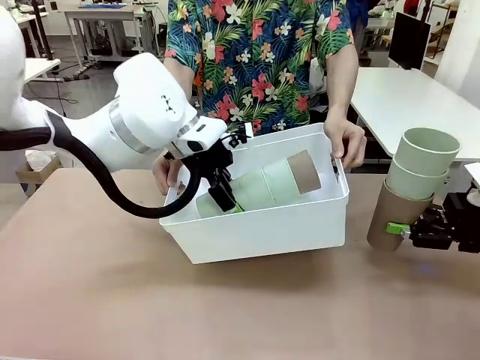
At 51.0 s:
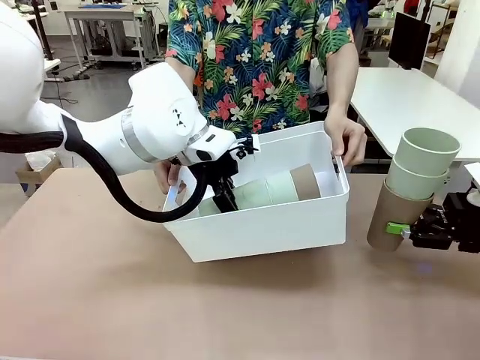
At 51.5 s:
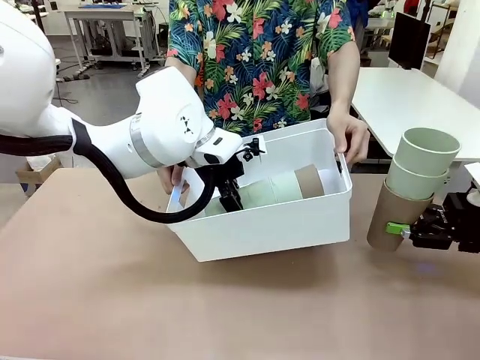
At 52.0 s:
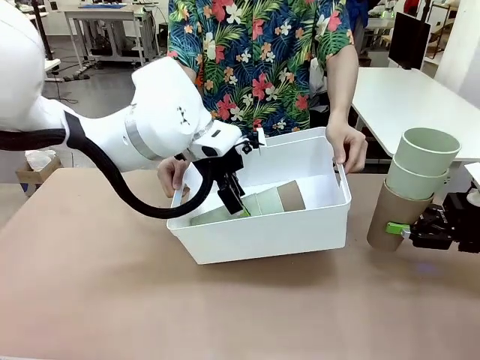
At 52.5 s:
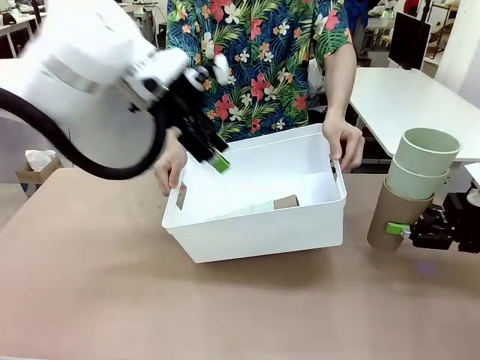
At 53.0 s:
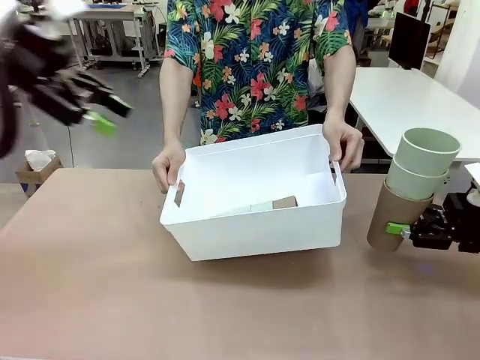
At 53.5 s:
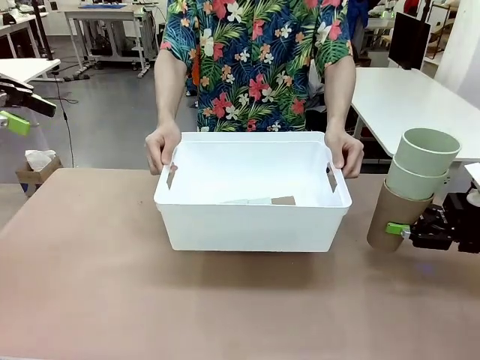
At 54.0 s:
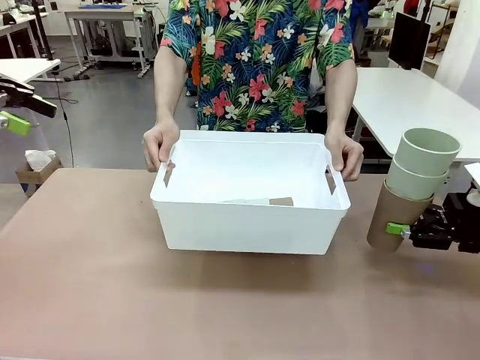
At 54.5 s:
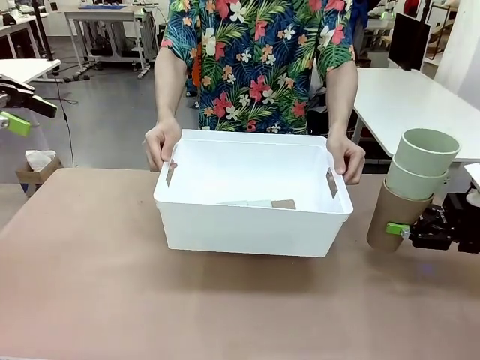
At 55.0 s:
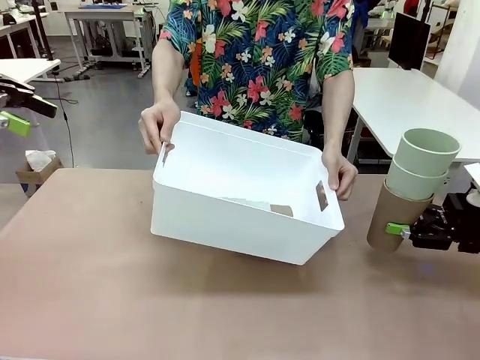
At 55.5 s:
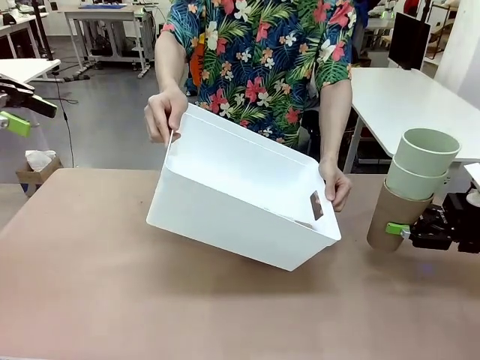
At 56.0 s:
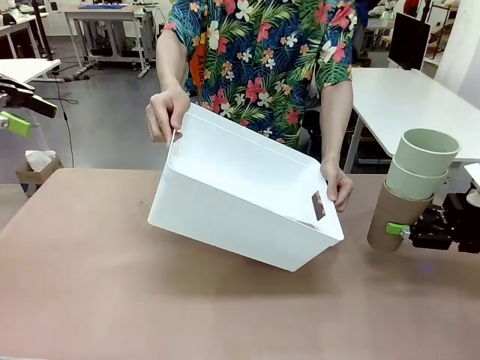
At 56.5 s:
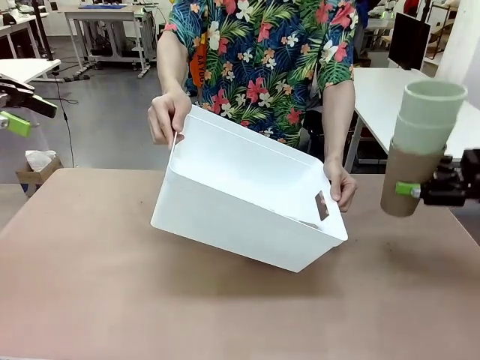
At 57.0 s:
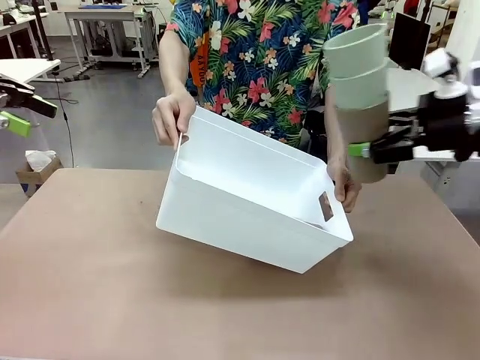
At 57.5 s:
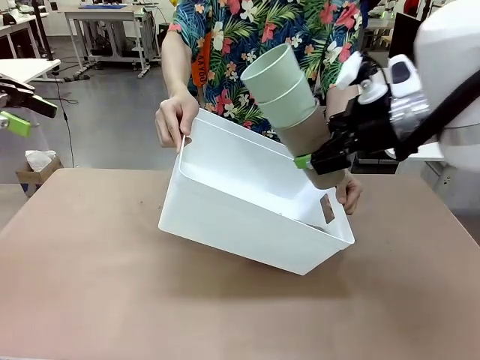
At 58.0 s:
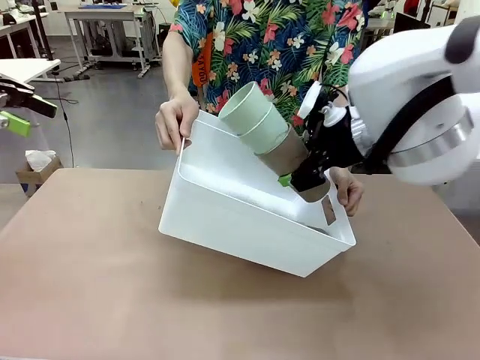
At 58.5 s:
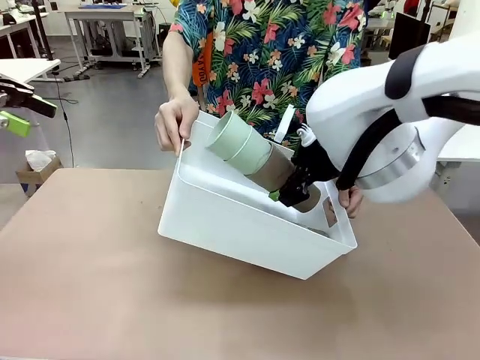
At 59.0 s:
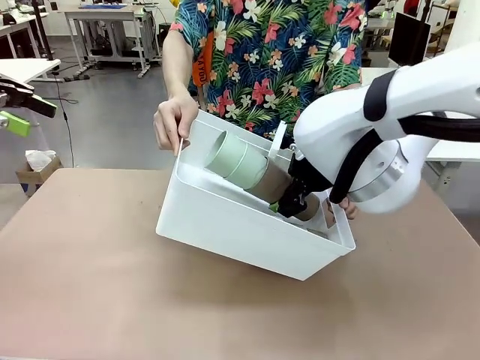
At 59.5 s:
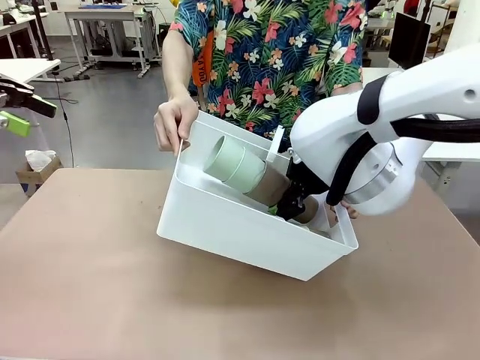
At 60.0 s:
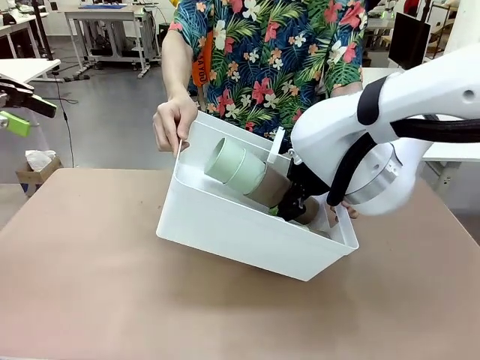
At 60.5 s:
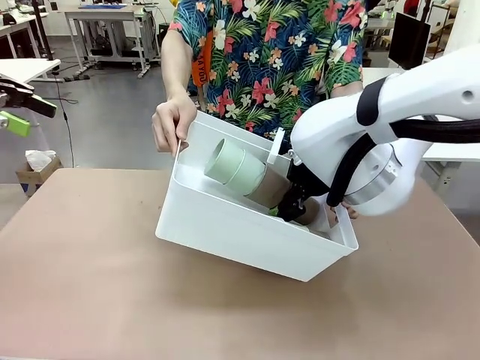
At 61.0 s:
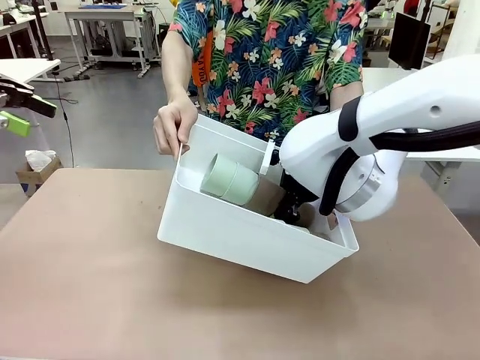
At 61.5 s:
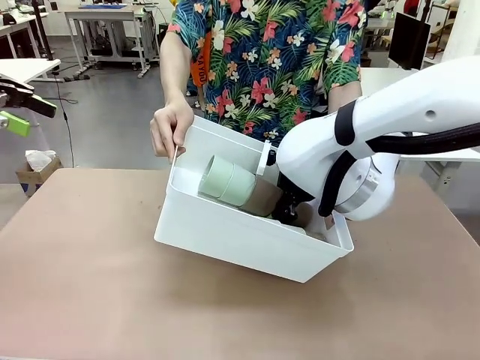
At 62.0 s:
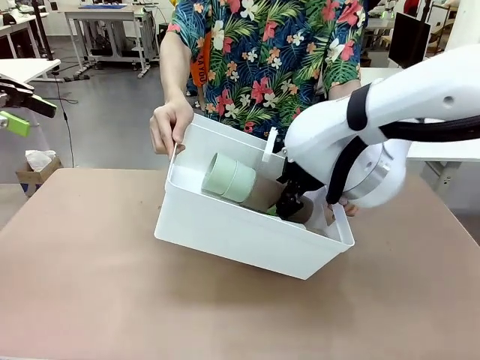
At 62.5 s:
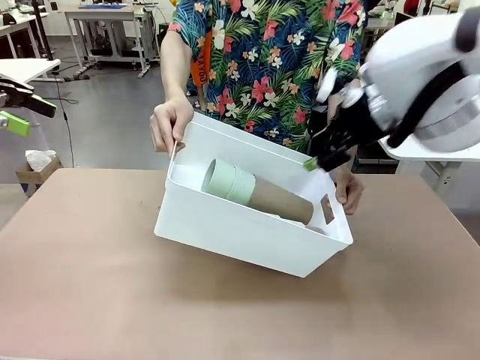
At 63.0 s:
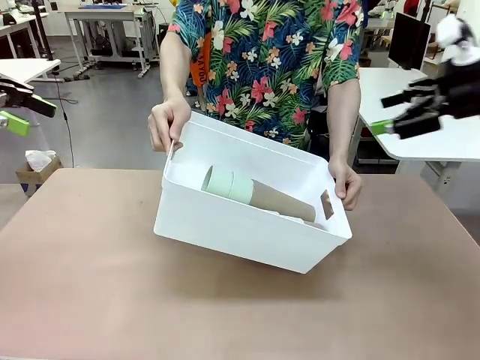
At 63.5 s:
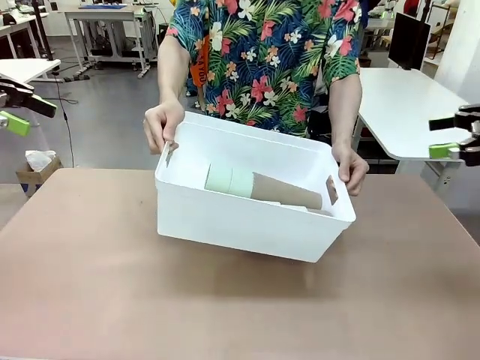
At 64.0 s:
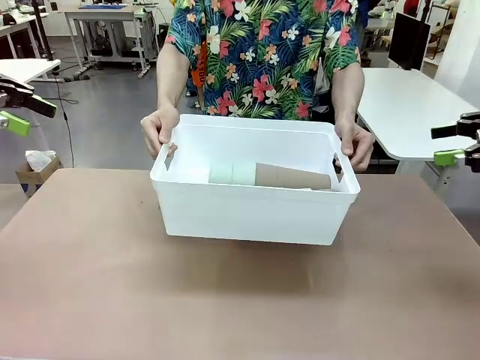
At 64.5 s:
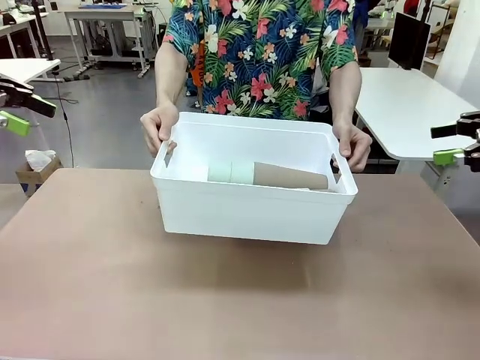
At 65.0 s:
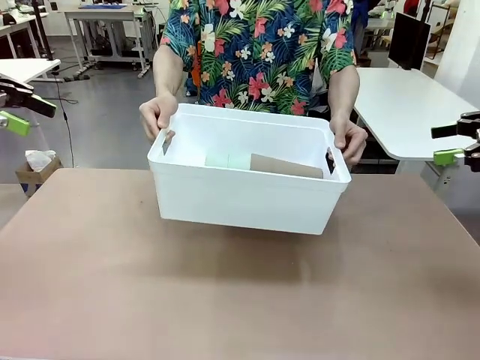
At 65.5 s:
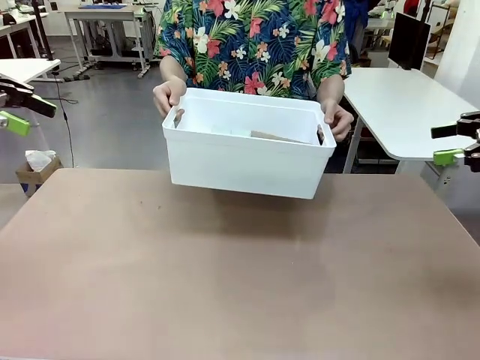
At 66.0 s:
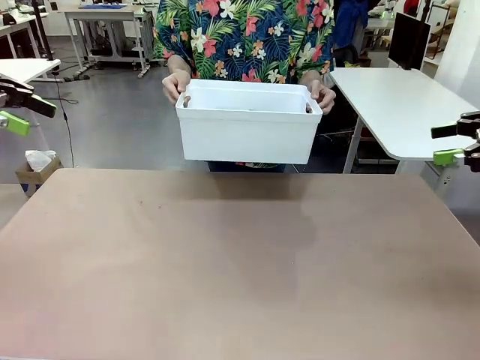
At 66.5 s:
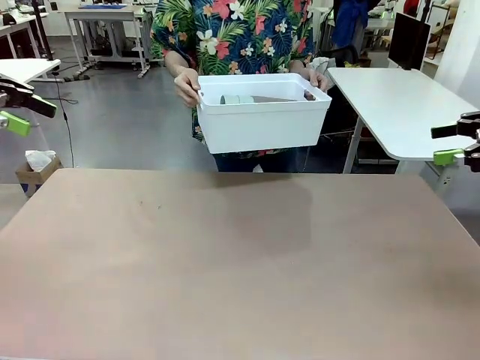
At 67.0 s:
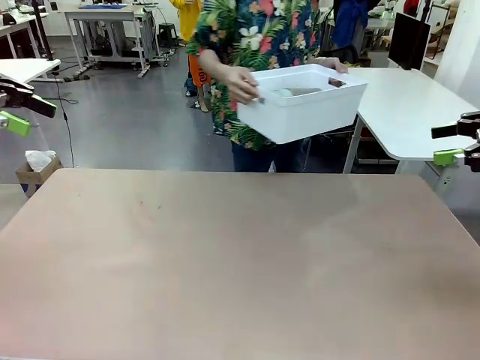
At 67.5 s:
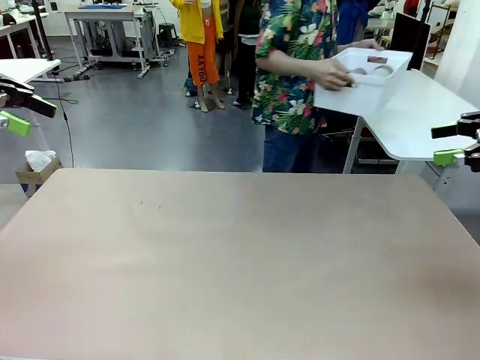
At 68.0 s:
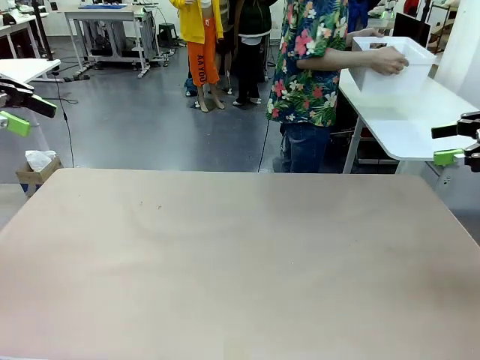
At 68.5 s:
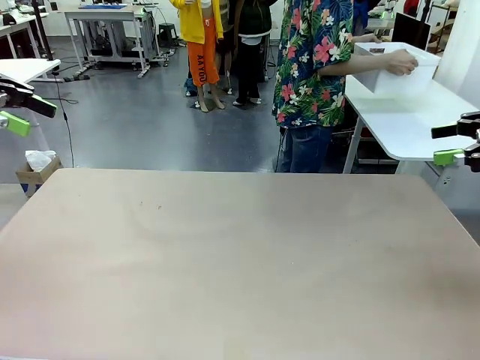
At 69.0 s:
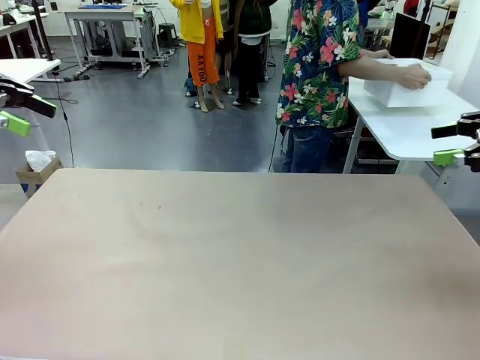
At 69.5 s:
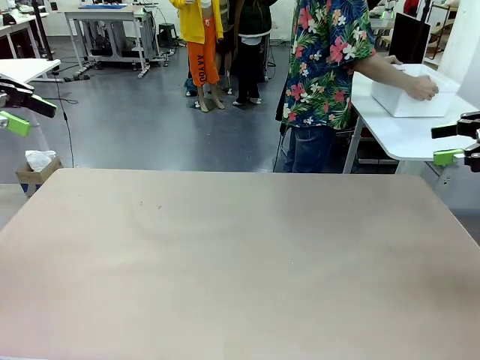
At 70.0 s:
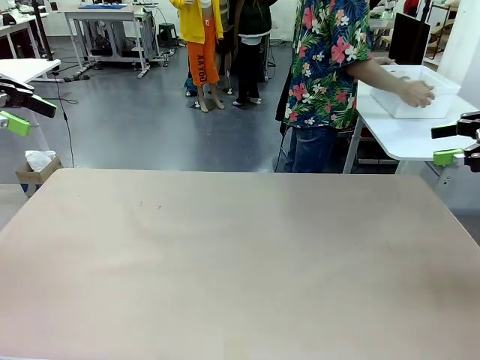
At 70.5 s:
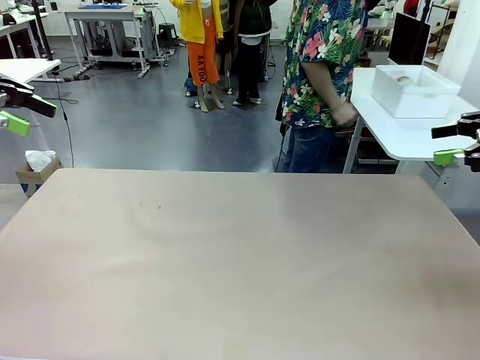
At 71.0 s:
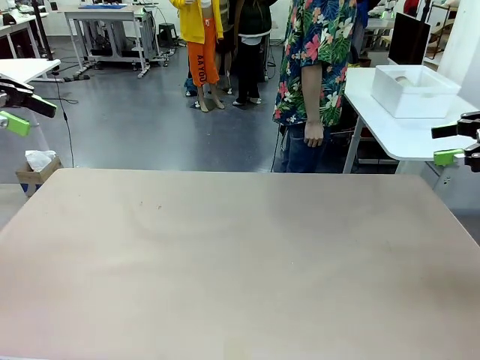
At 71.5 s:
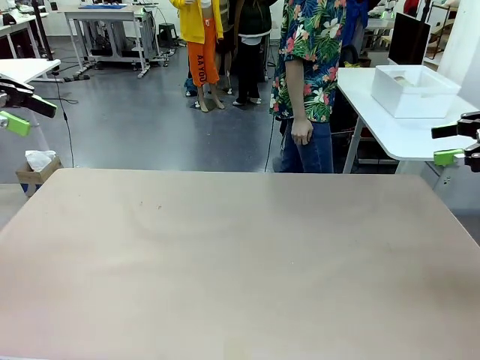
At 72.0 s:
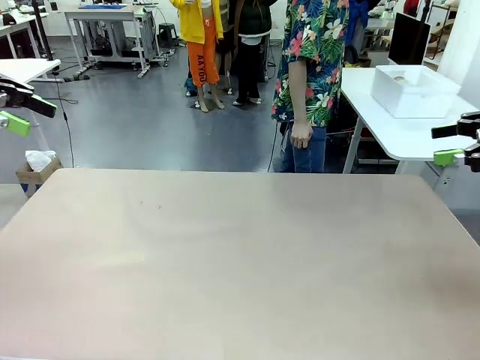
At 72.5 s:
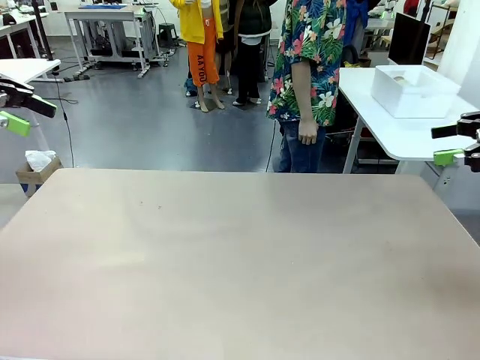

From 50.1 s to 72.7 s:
Task: Stack the cups and store them in the basket.
Robot: Place the stack of Reusable plastic cups into the Pantry Basket.
Person: Place the basket containing the cups in the middle of the Human Table.
